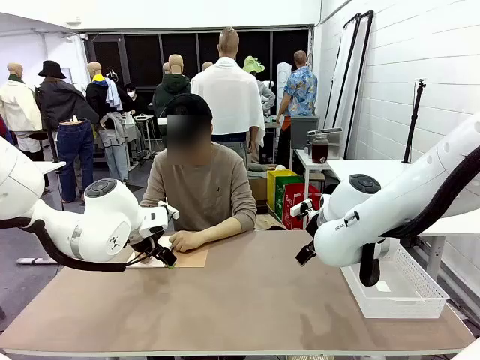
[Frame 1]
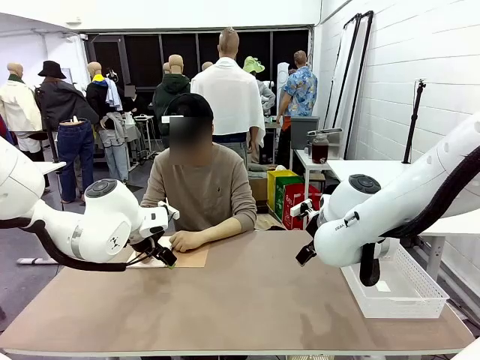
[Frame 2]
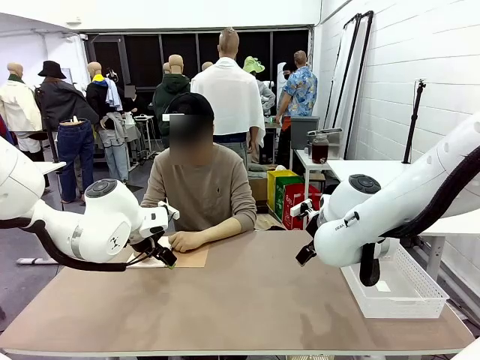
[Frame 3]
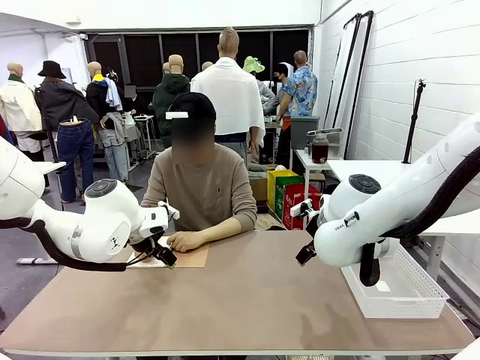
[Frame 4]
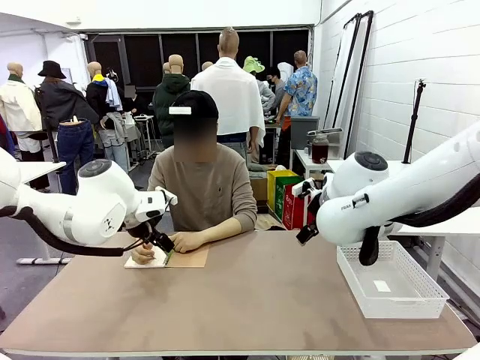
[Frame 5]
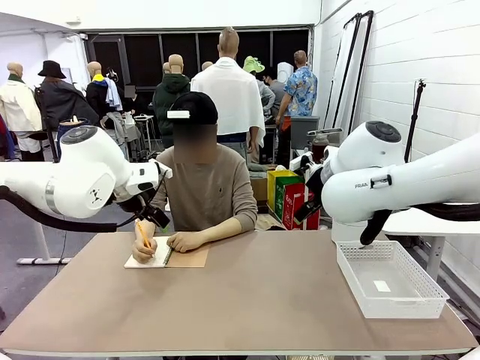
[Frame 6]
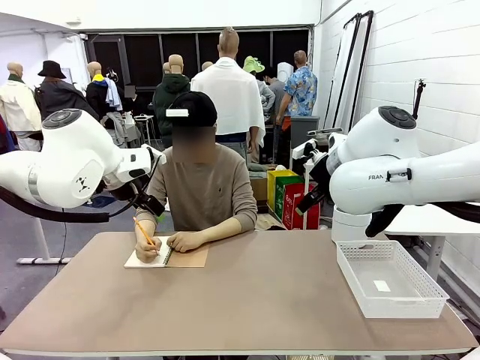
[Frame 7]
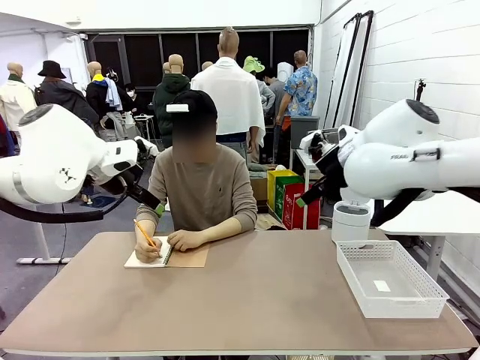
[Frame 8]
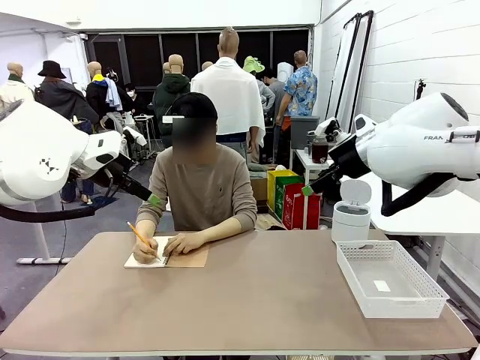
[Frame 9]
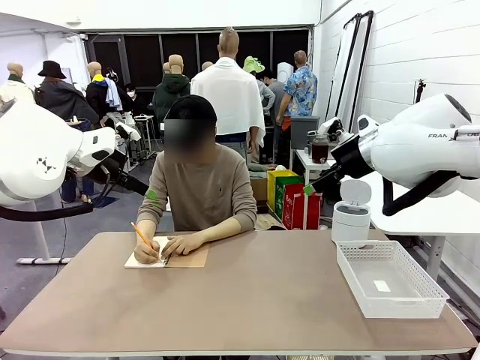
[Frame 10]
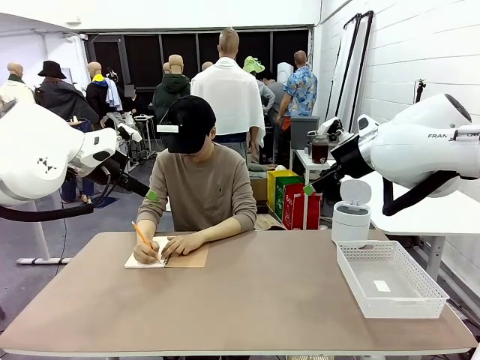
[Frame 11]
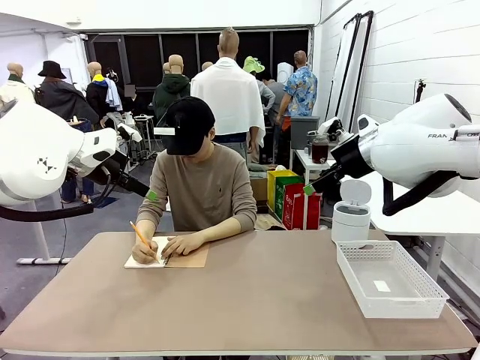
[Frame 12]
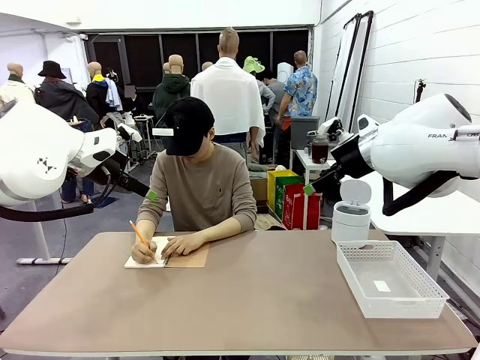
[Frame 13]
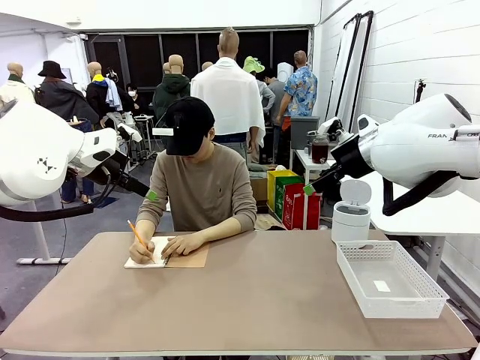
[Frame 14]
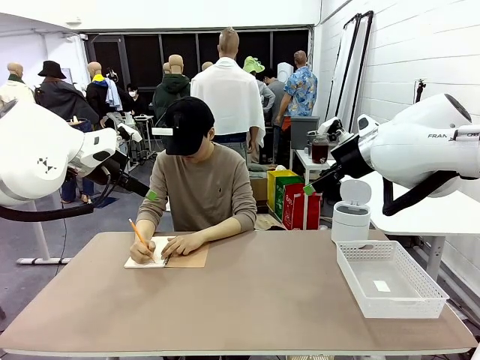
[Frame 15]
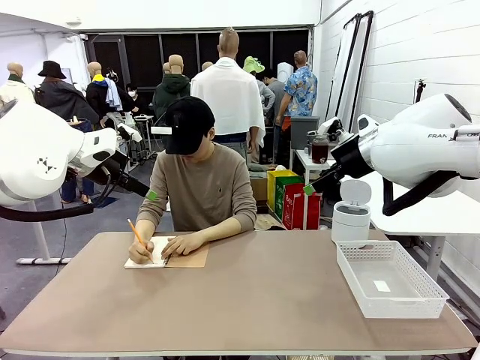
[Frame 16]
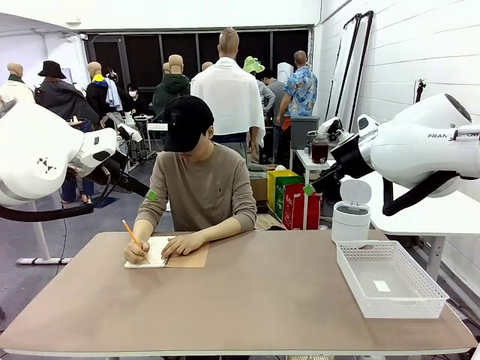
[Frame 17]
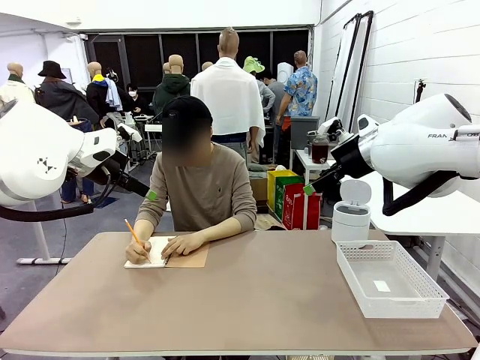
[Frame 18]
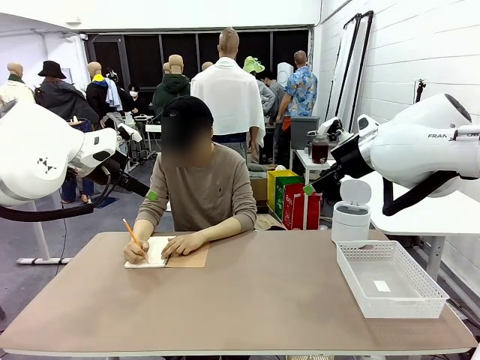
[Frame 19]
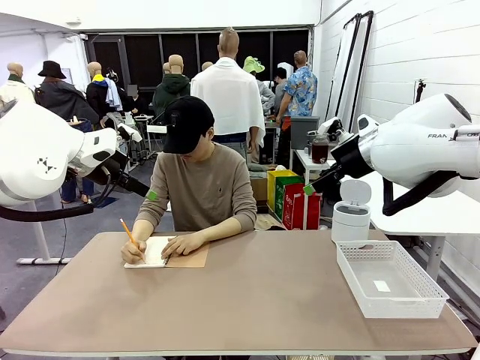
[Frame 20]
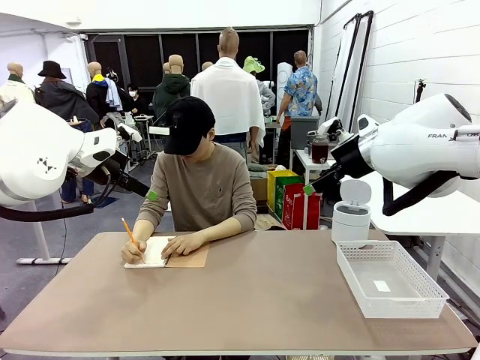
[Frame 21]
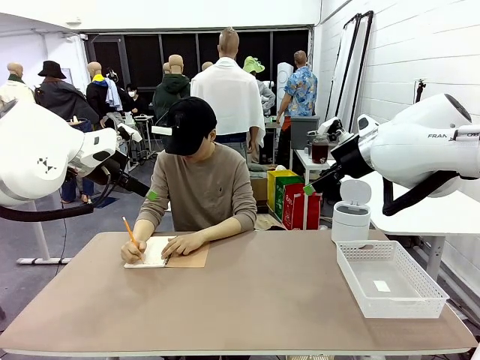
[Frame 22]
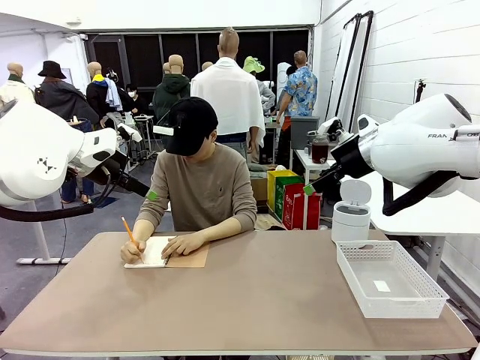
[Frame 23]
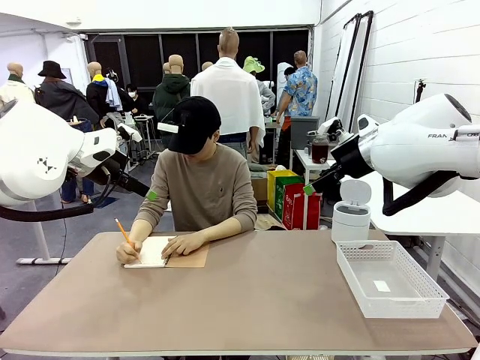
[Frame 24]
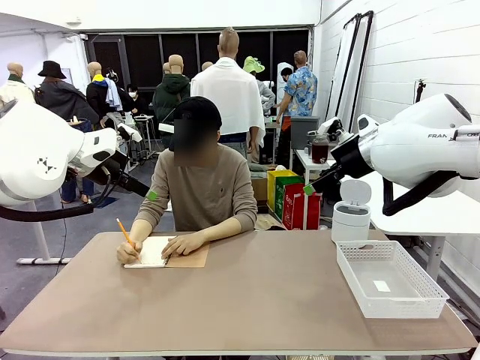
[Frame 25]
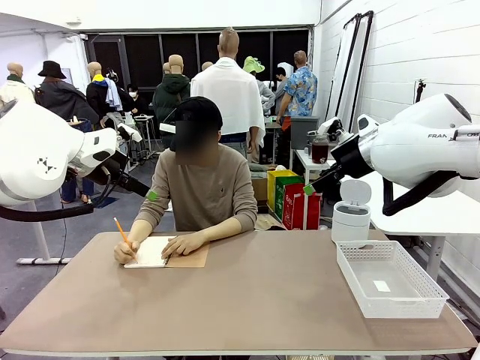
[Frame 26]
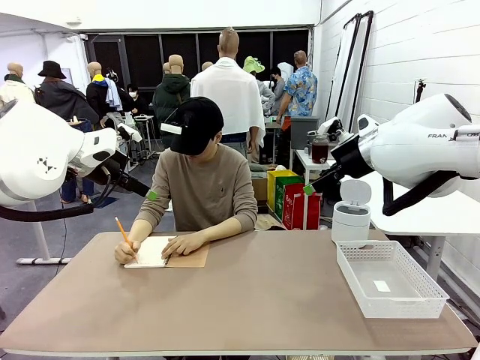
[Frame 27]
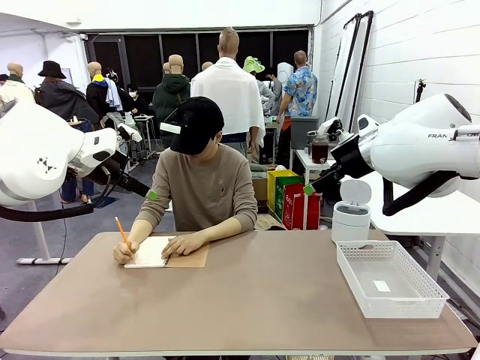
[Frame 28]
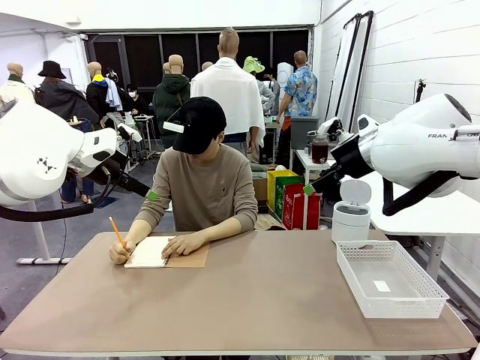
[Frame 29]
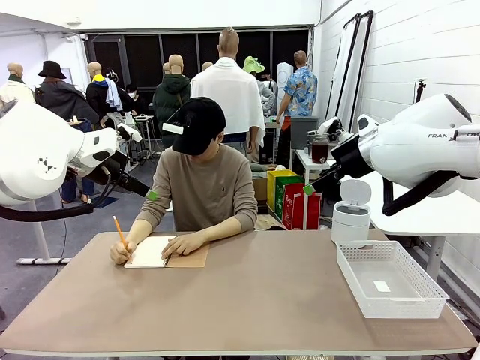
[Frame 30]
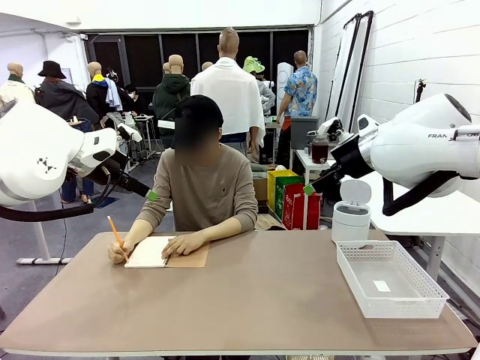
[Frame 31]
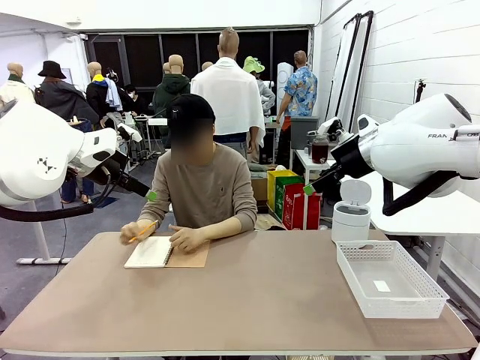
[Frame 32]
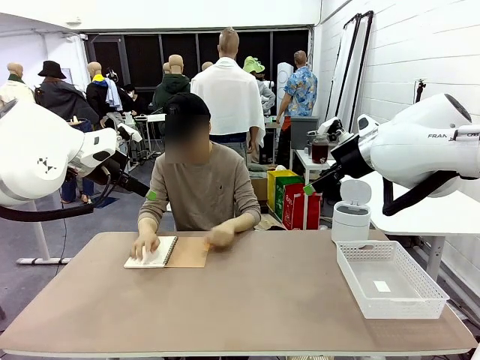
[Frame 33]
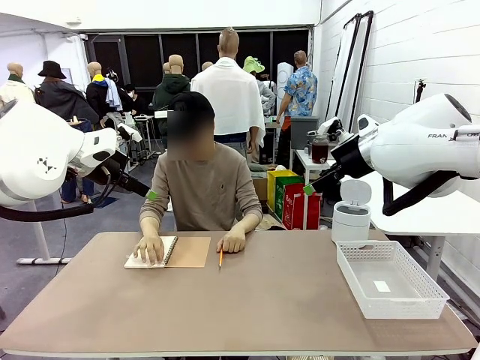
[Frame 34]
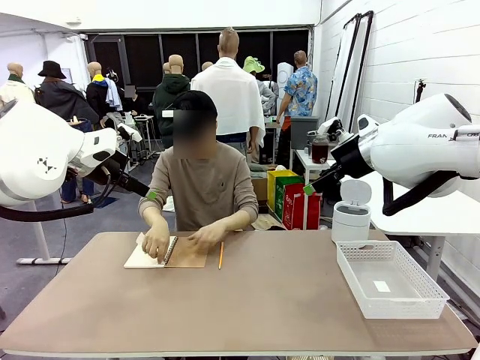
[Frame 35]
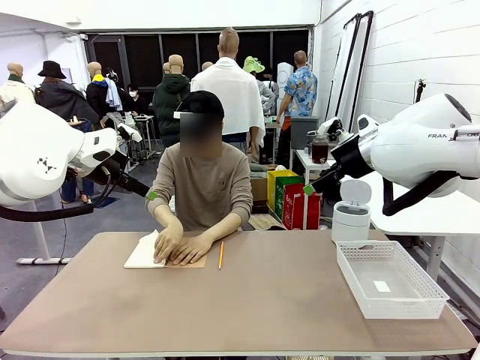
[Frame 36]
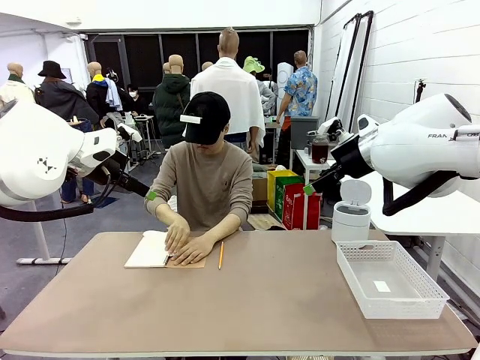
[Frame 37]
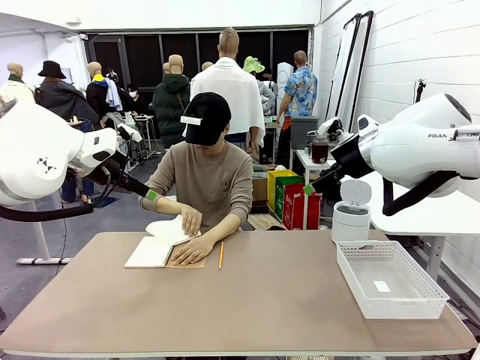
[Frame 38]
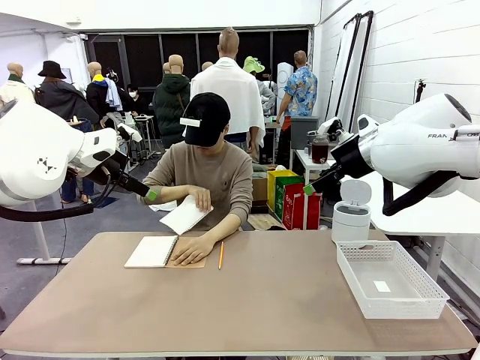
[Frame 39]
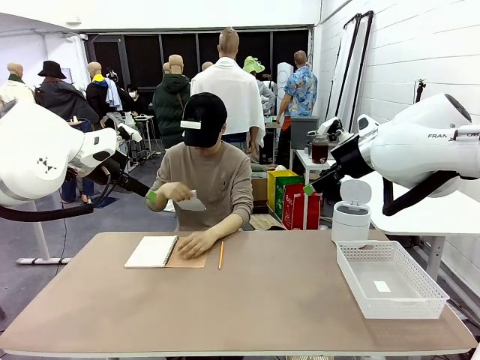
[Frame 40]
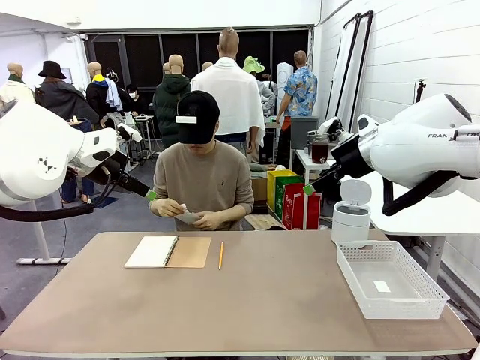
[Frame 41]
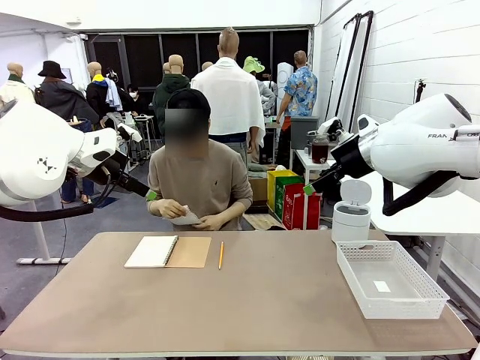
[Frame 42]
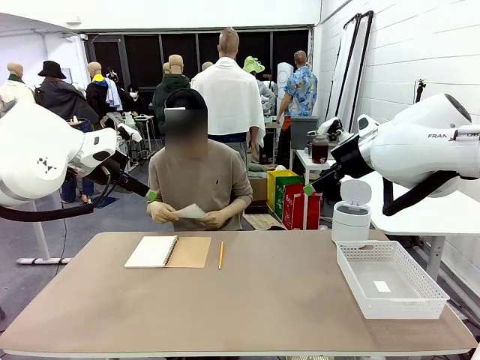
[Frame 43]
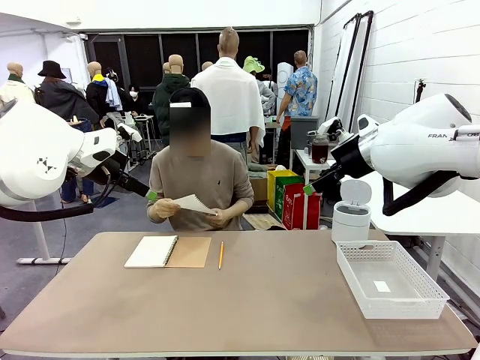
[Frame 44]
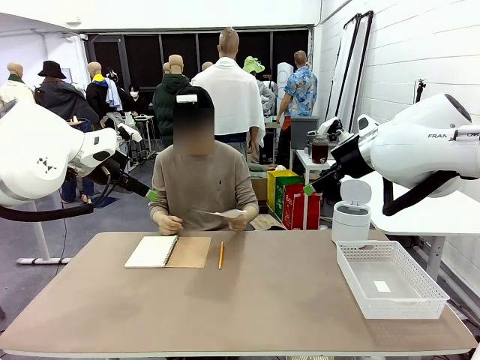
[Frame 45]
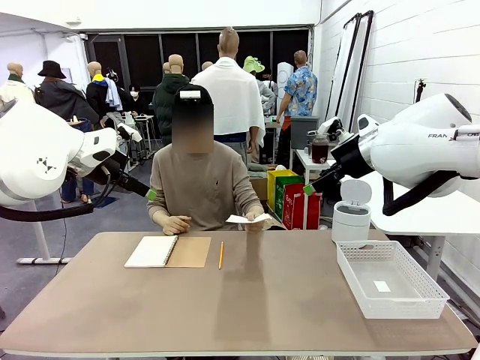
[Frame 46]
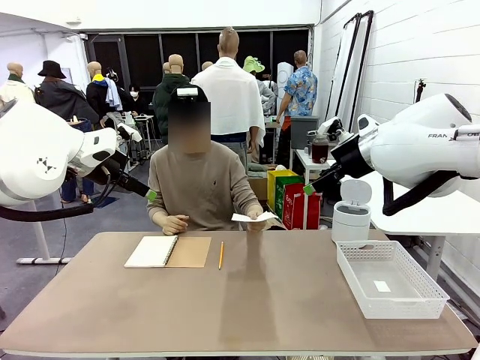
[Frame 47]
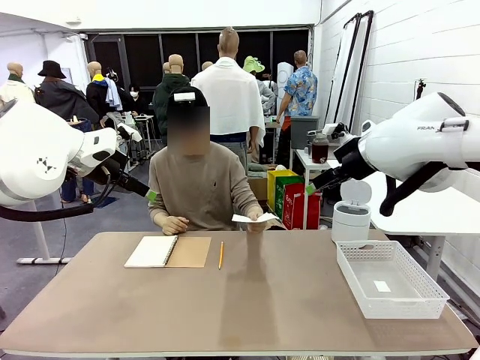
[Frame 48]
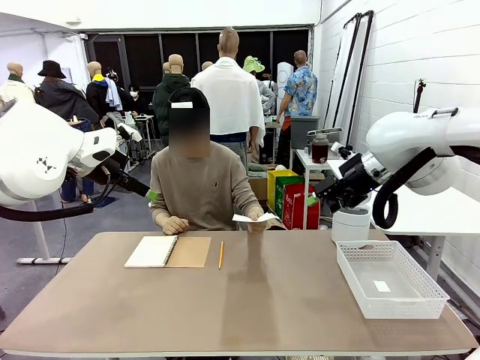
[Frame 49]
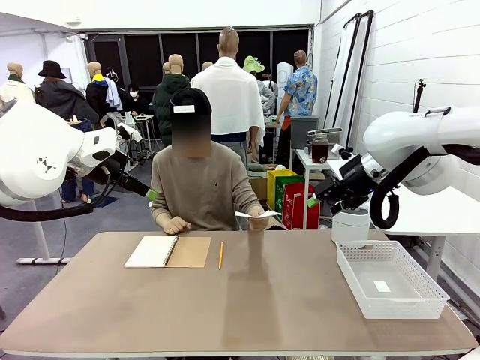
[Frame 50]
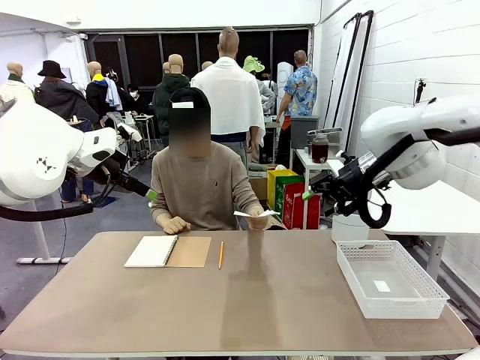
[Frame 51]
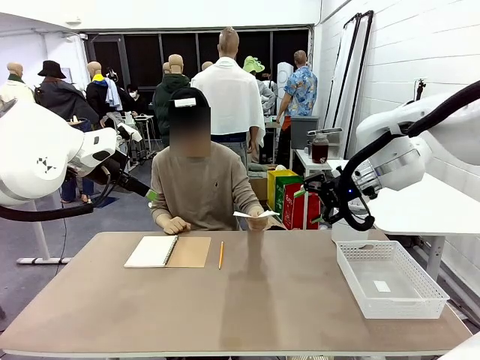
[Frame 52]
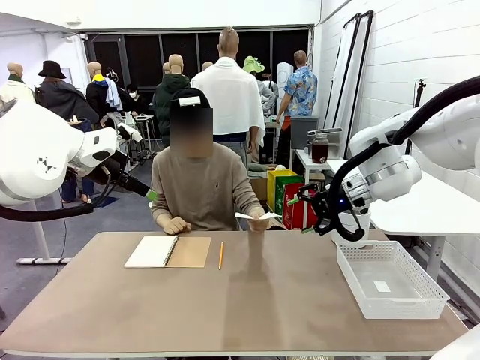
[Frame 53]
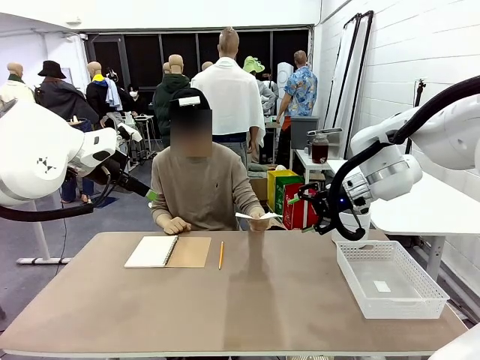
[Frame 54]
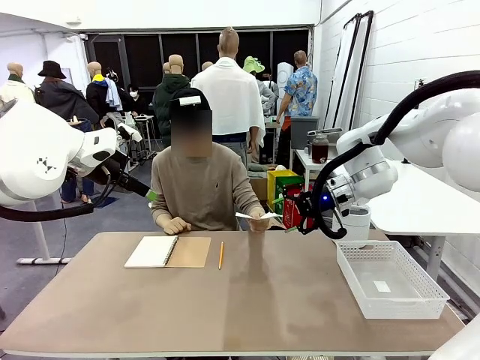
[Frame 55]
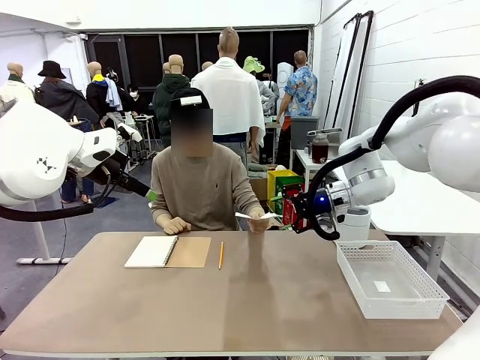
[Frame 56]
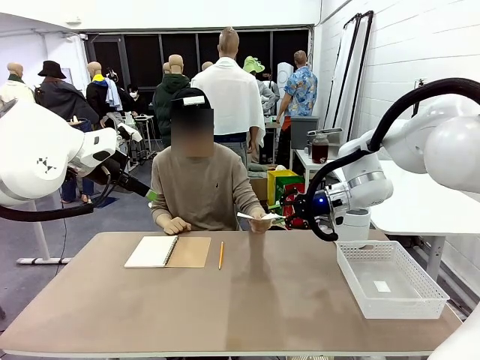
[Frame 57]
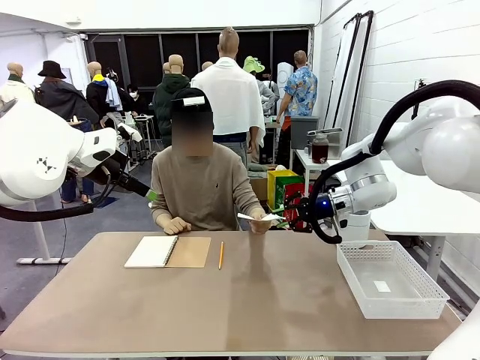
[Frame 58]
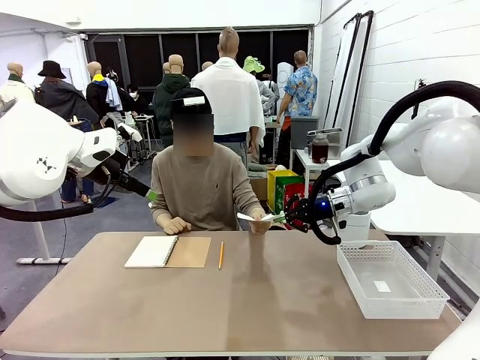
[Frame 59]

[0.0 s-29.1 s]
Task: Sort the paper based on its condition.
Robot: If a person hands you a paper, place it in the Organizing basket , and if it's crumpled, put it in the Trash can.
Person: Tear out a page from the spiral notebook. Hand the torn page to the robot or crumple it and throw it to the center of the table.
